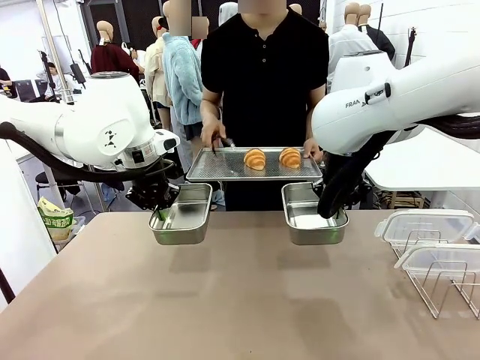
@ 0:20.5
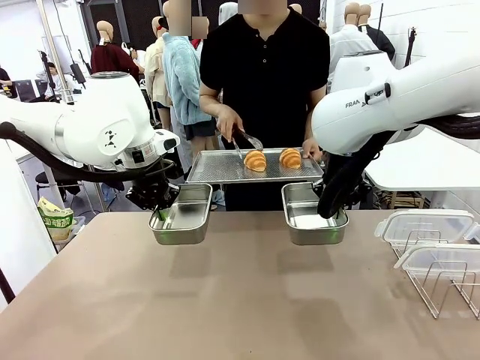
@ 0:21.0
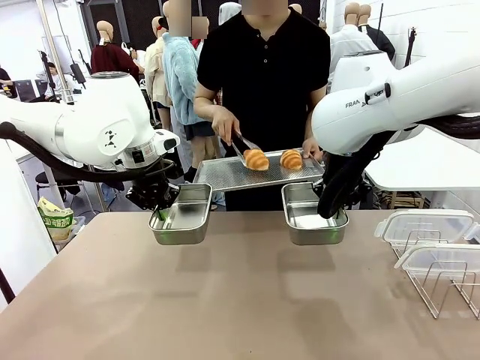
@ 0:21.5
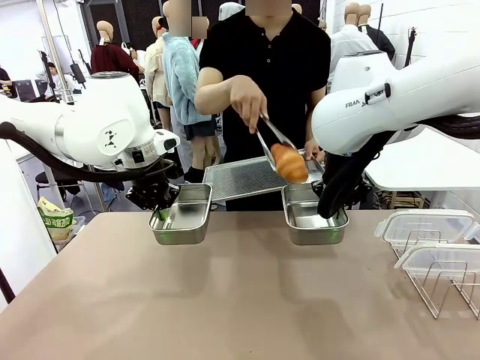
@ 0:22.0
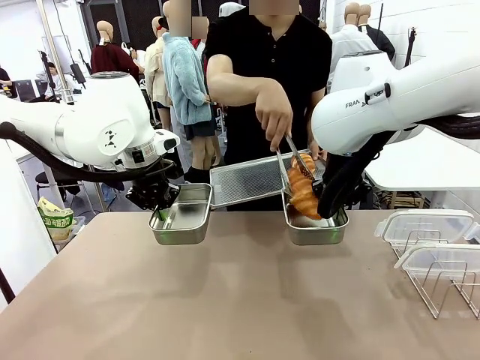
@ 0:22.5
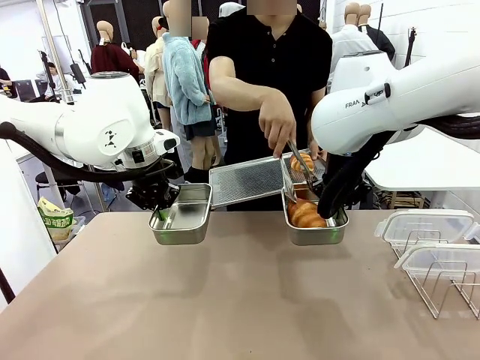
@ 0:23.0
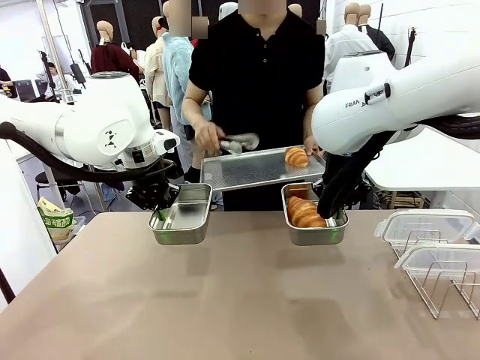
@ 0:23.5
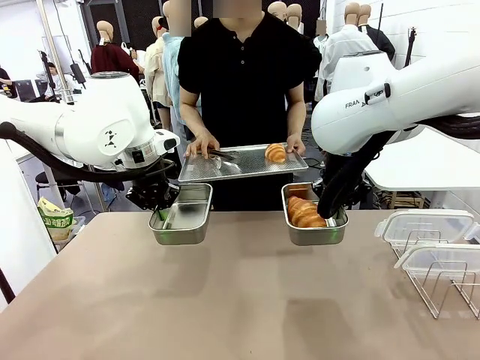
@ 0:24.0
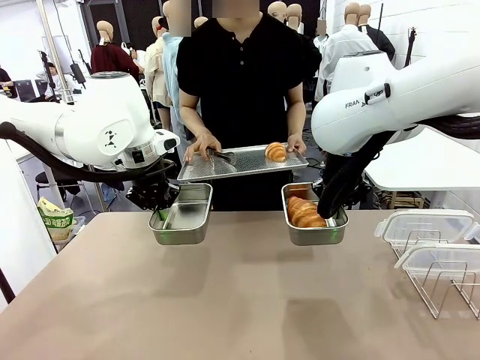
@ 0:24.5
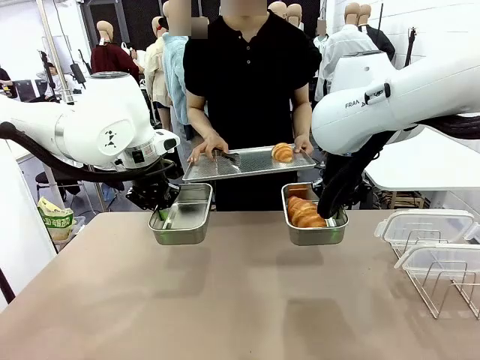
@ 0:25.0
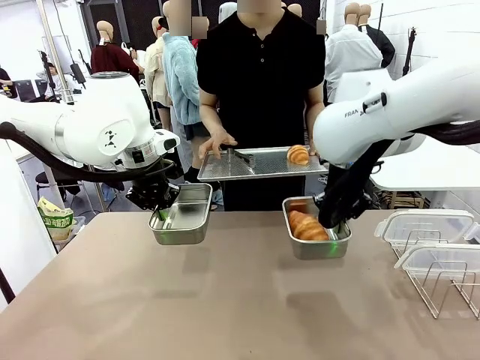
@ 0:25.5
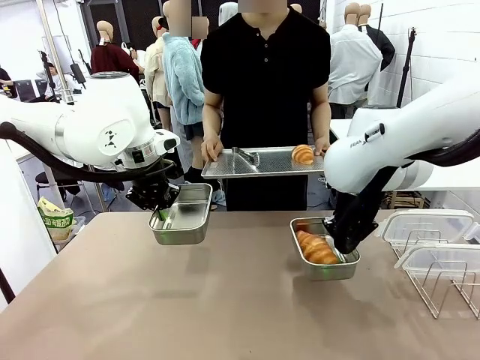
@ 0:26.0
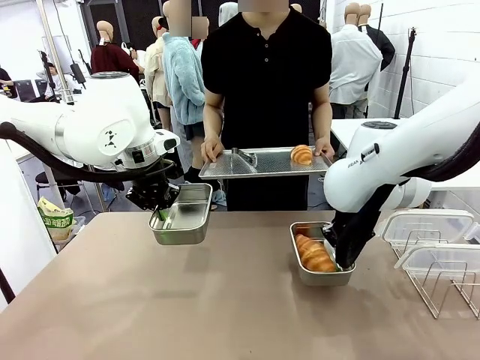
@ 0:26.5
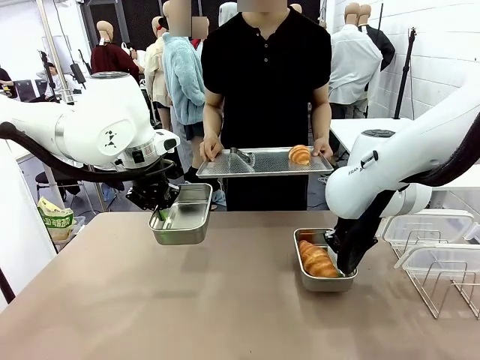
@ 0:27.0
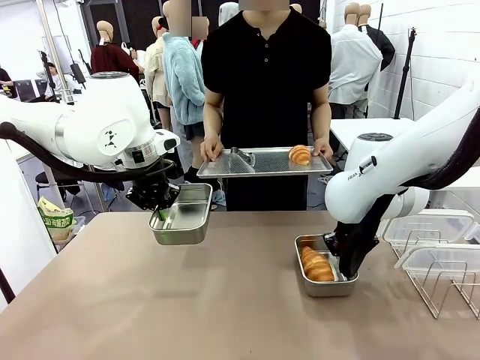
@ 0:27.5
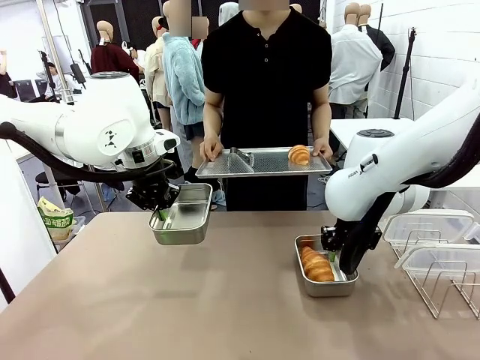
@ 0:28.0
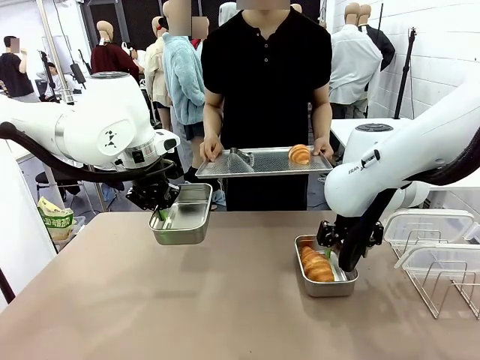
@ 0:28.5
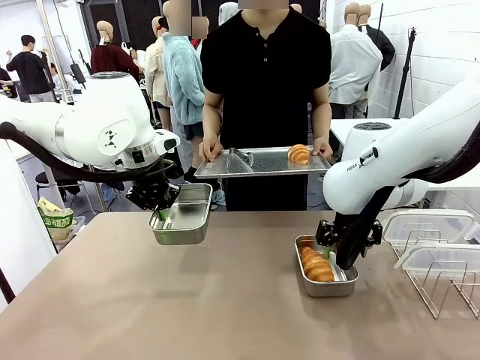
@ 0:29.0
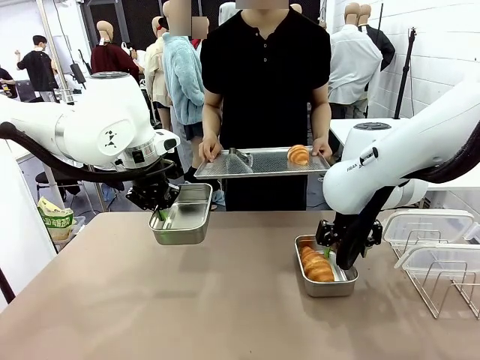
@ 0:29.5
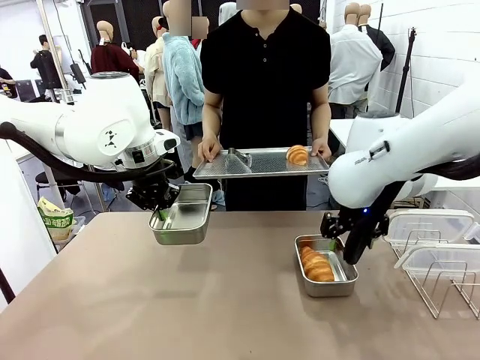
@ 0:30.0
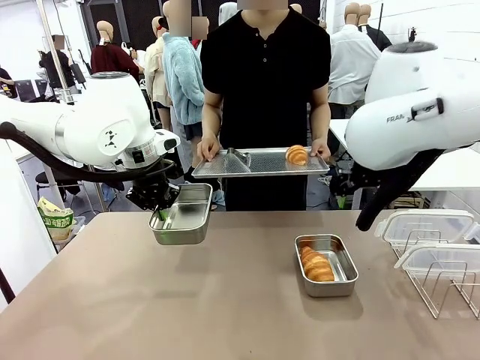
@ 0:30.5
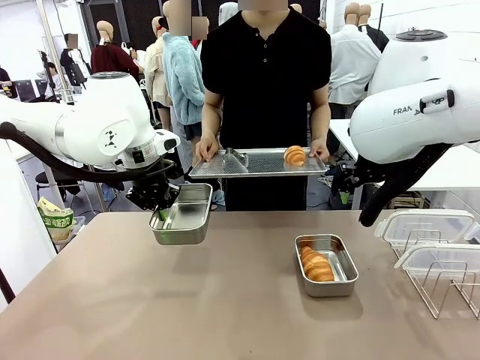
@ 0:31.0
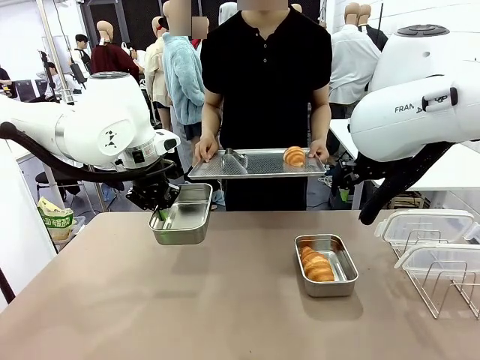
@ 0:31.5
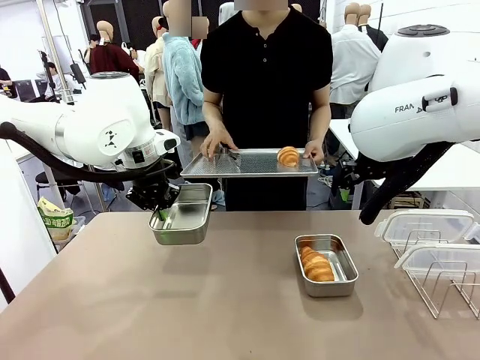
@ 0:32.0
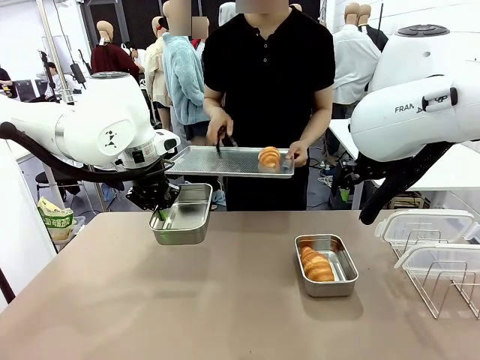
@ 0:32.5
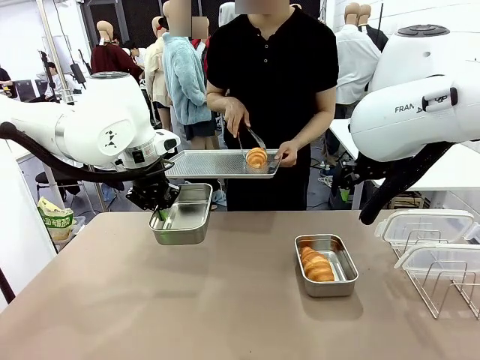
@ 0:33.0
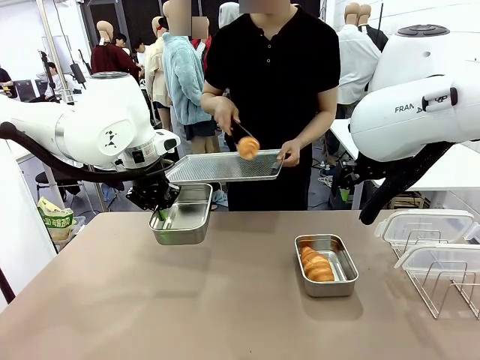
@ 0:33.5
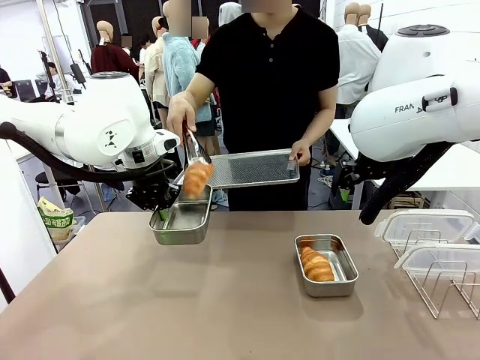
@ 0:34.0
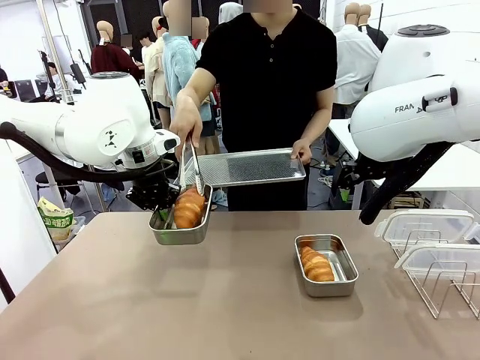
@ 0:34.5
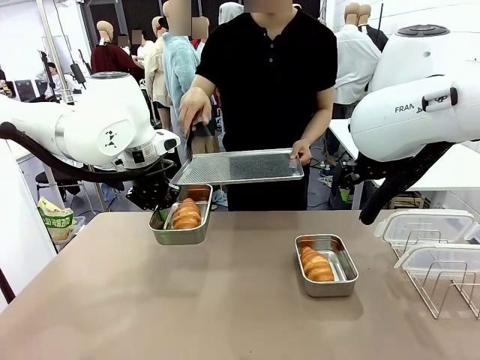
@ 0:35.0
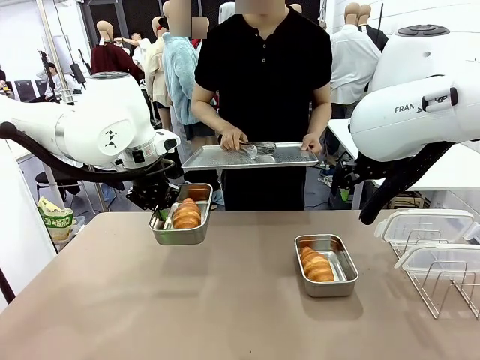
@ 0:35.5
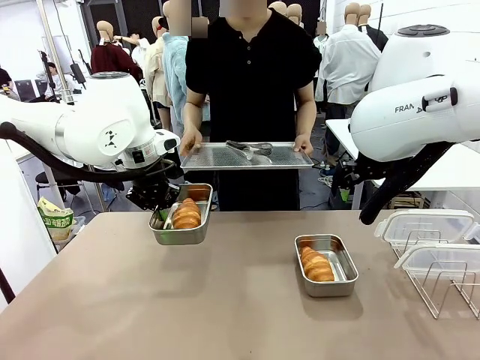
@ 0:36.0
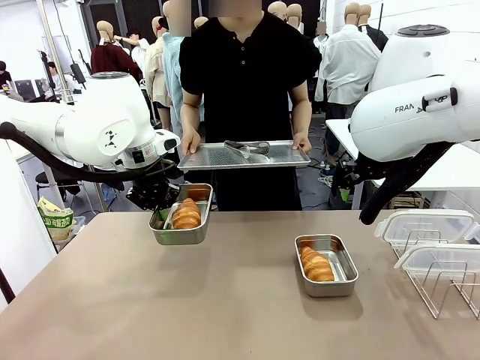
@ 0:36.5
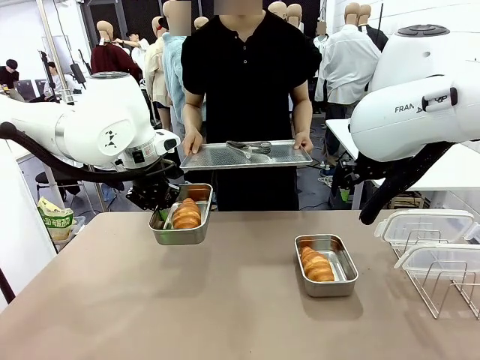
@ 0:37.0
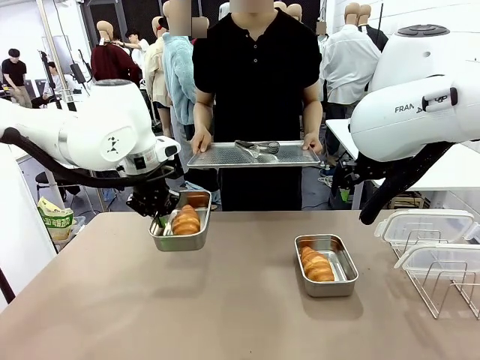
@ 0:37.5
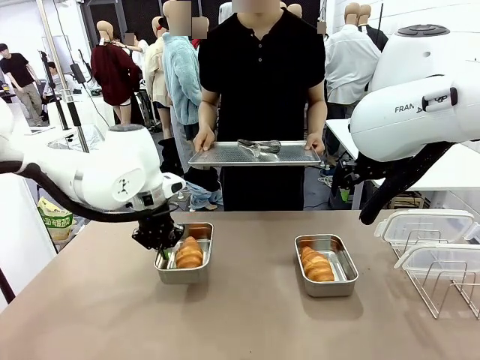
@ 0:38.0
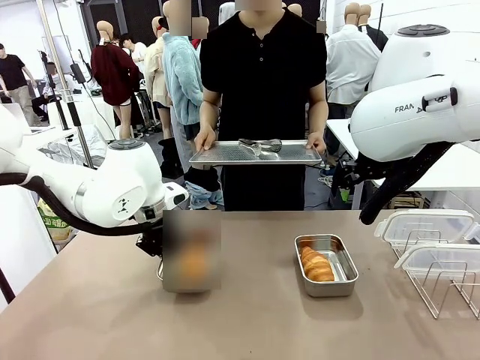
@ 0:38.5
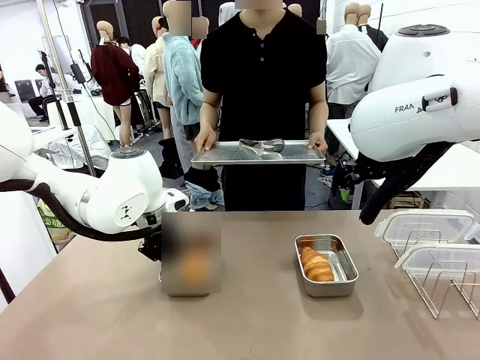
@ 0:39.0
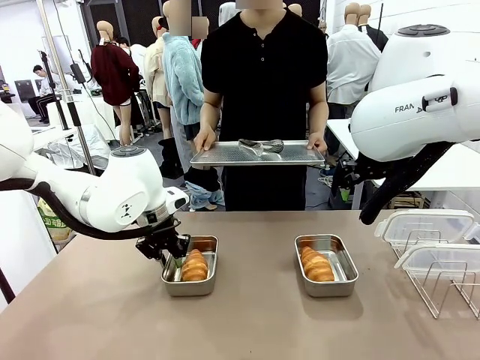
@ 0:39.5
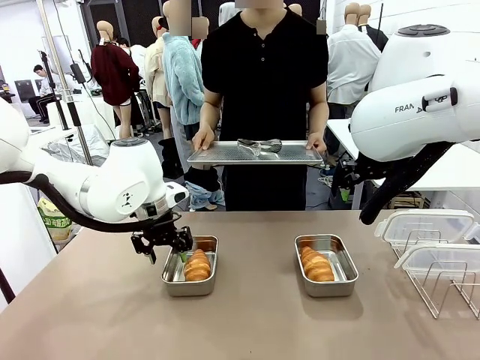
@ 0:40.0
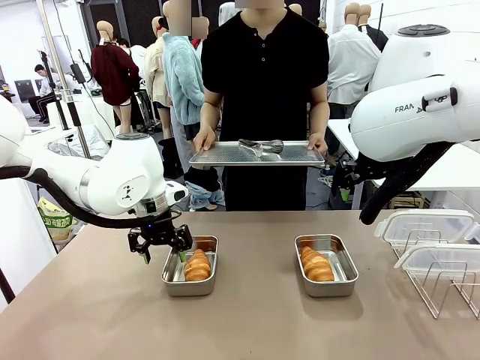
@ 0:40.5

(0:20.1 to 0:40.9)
Task: Place the bread in airtight containers.
Robot: Once an object is inside an Airtight Container , place the container in the center of the table.
Person: Use the Stainless steel tongs to place one object from Baking Sheet into one Airtight Container.
